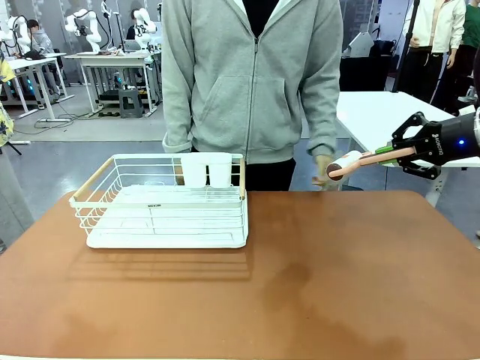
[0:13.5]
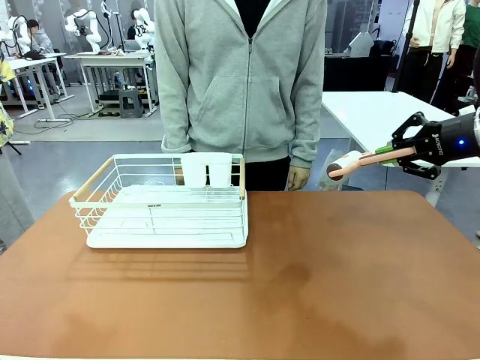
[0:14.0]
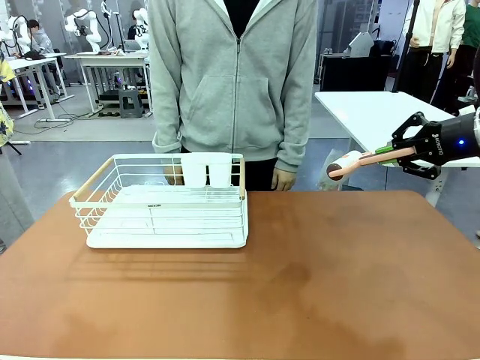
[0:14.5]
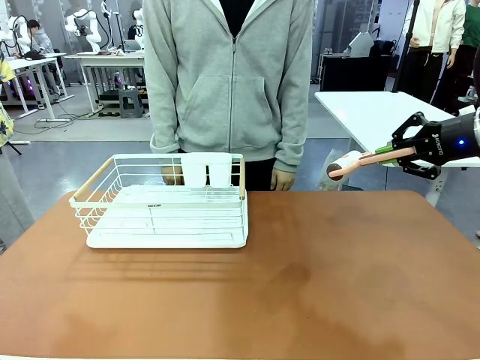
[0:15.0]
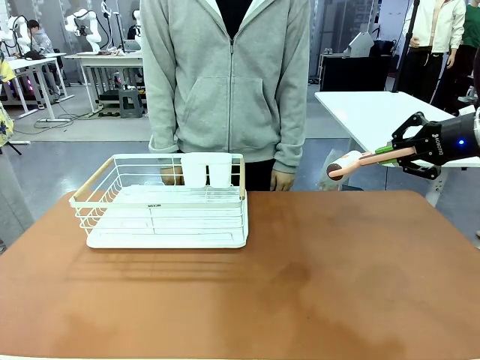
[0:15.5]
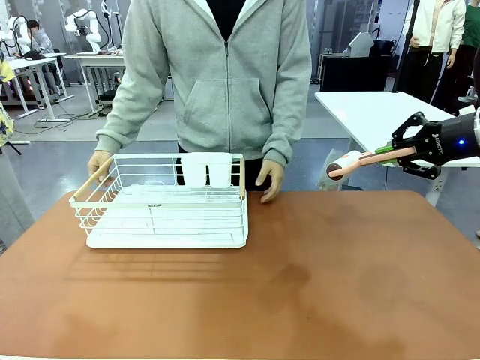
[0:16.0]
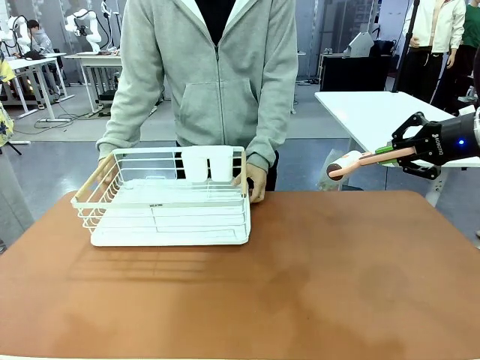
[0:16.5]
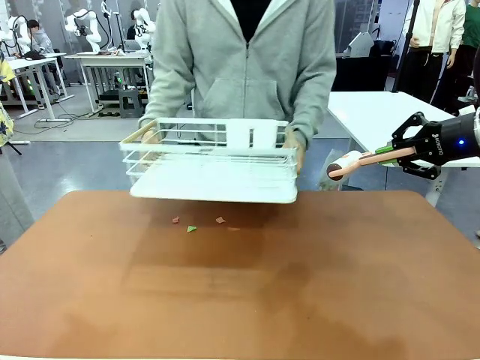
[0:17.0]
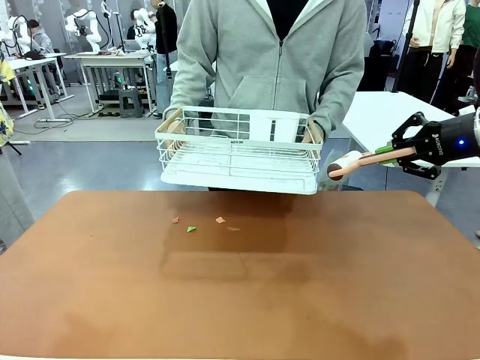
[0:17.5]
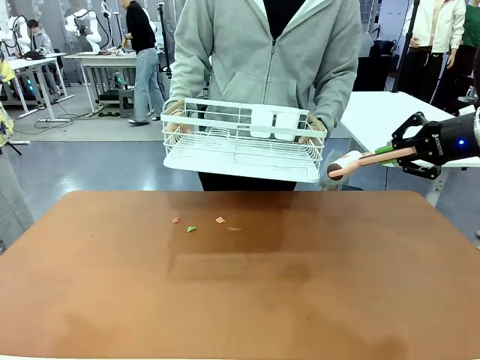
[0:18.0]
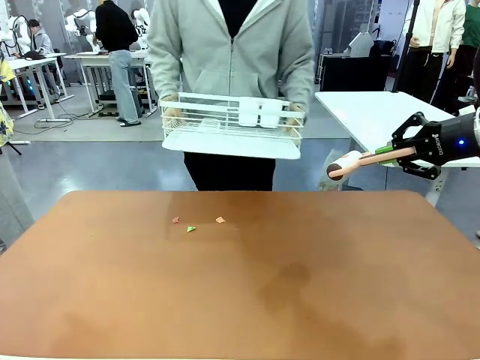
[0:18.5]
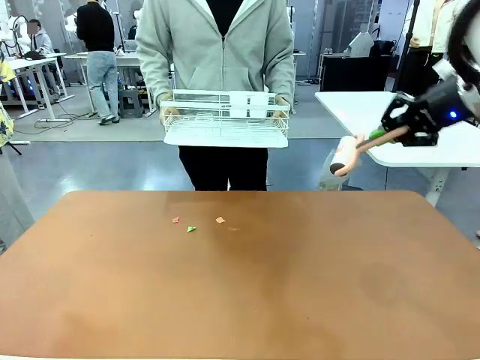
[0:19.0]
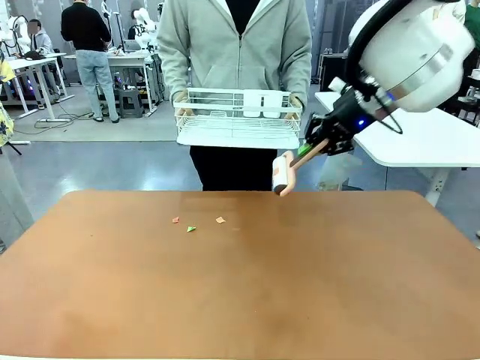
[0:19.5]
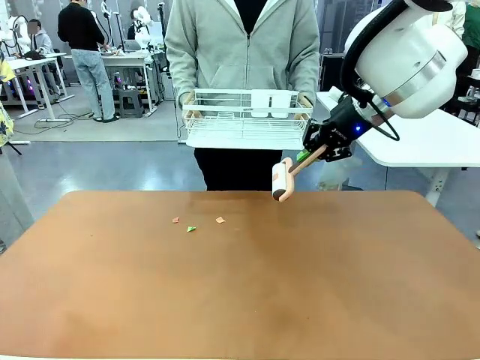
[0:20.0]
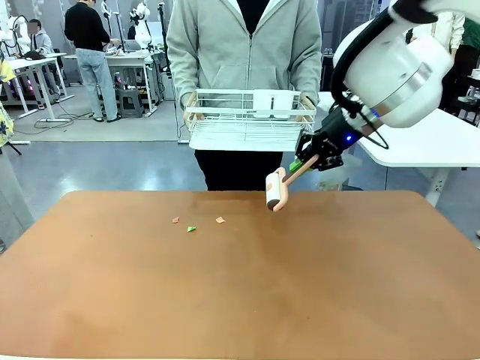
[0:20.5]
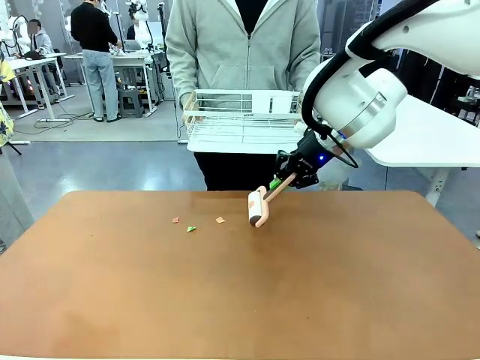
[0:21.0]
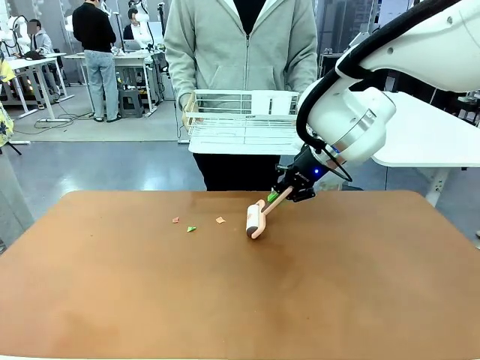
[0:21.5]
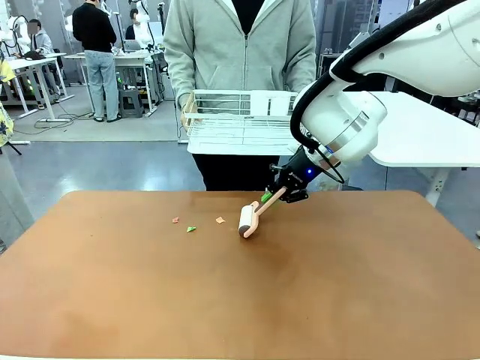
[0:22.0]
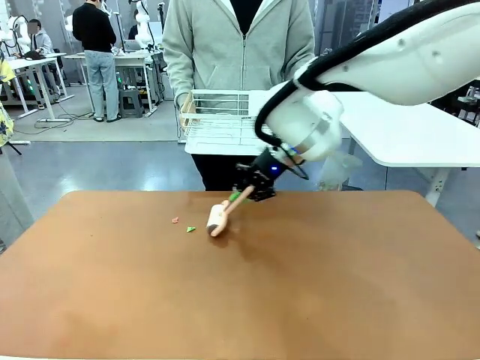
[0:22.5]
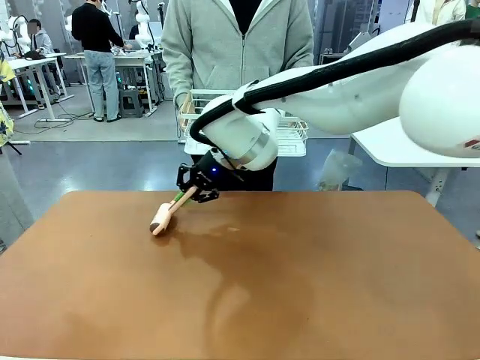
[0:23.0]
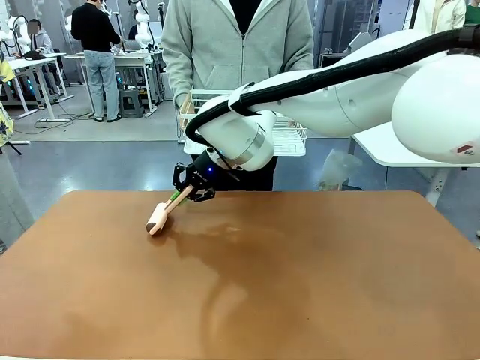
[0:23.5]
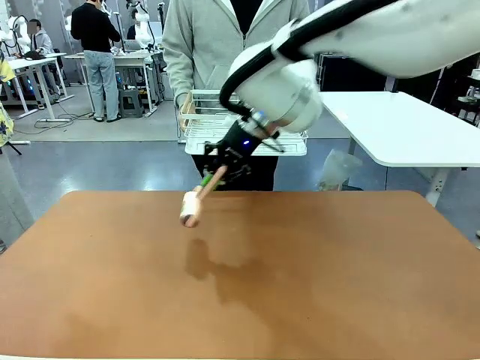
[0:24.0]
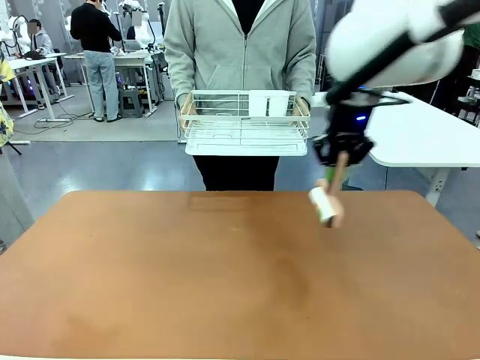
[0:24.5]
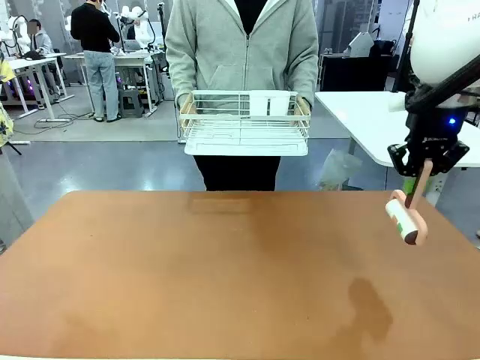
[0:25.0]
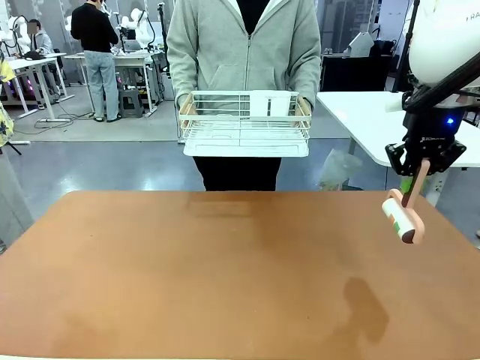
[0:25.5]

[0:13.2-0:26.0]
Task: Clean the table.
Robot: Clean the table with the Lint Roller when the human lifts the Dish drying rack.

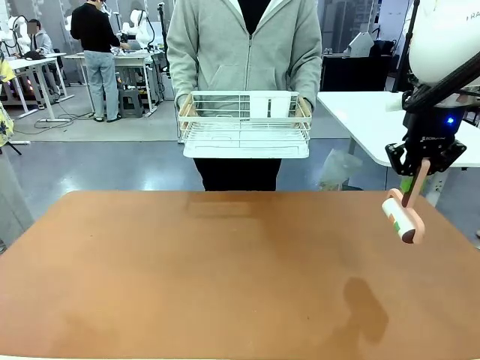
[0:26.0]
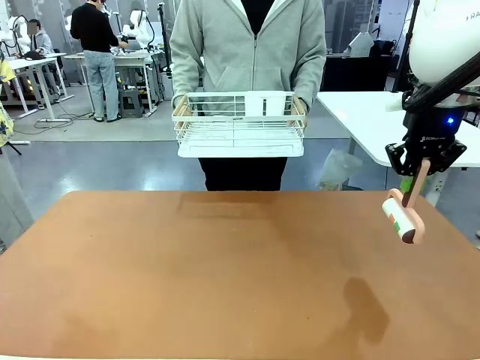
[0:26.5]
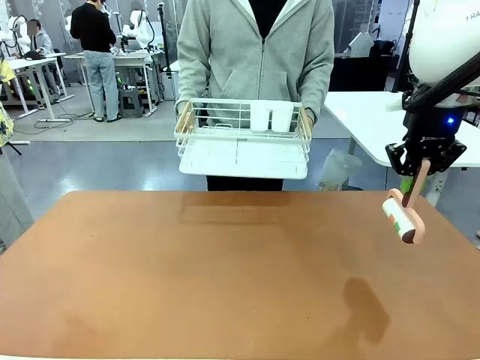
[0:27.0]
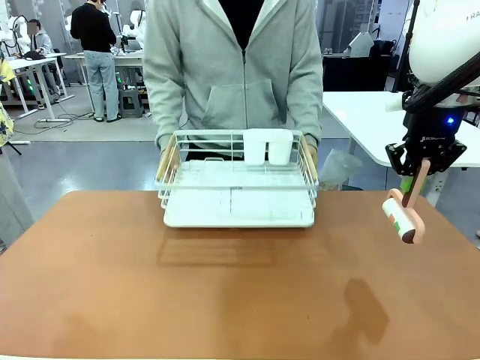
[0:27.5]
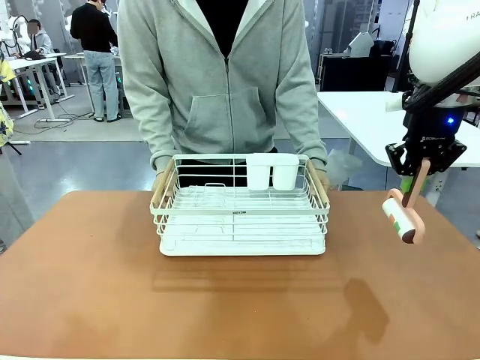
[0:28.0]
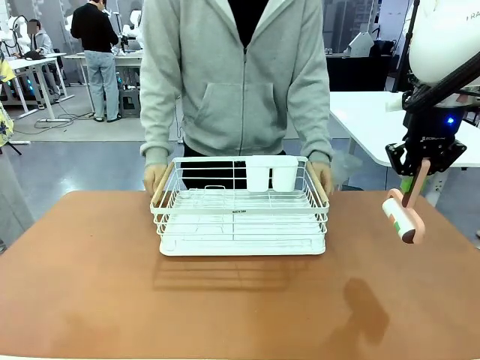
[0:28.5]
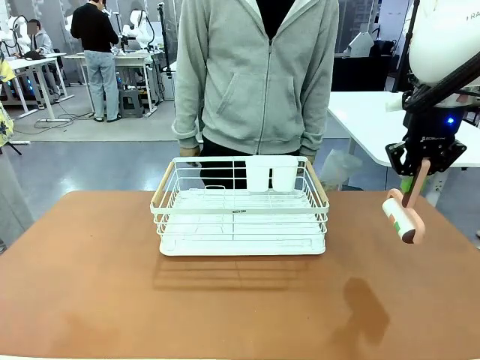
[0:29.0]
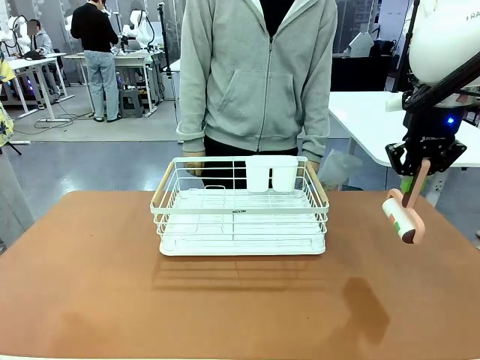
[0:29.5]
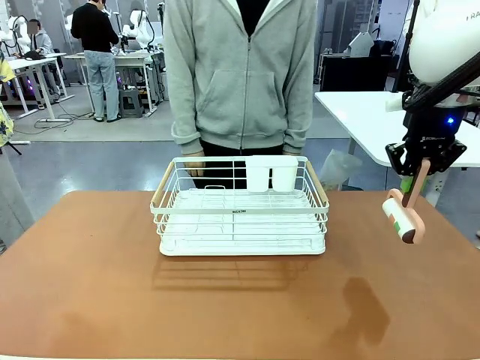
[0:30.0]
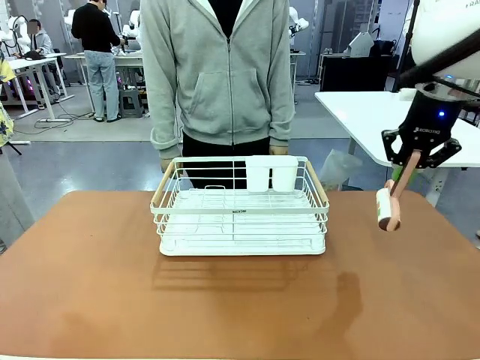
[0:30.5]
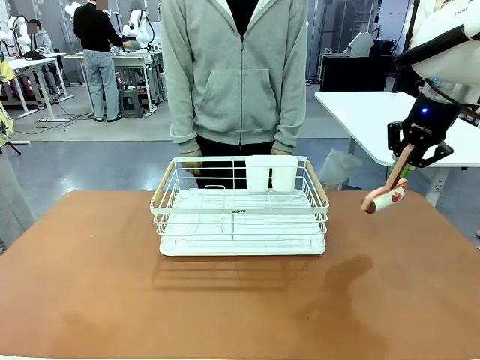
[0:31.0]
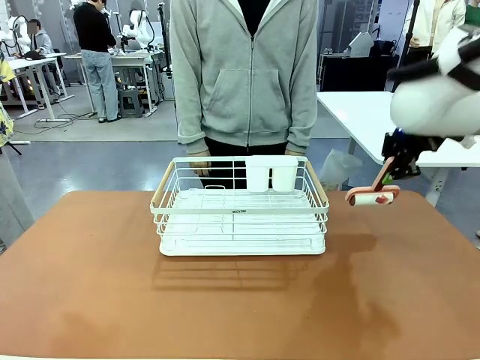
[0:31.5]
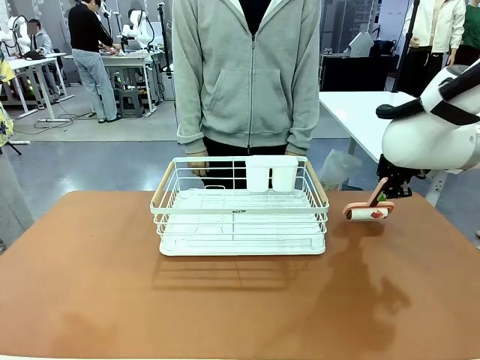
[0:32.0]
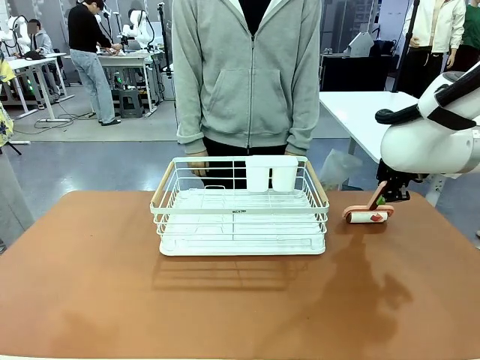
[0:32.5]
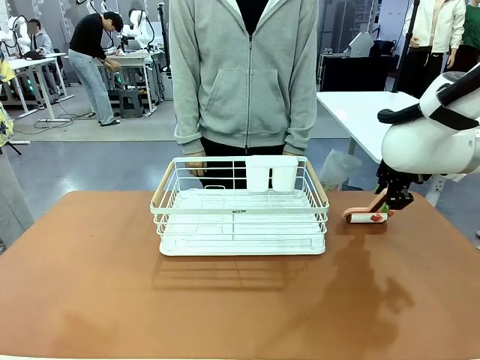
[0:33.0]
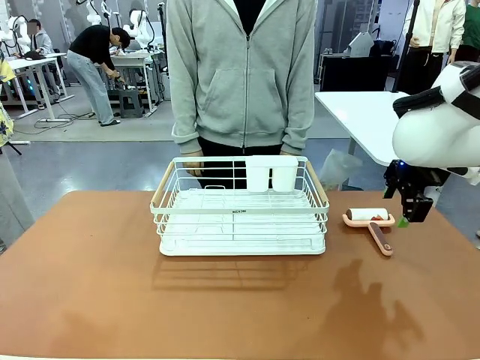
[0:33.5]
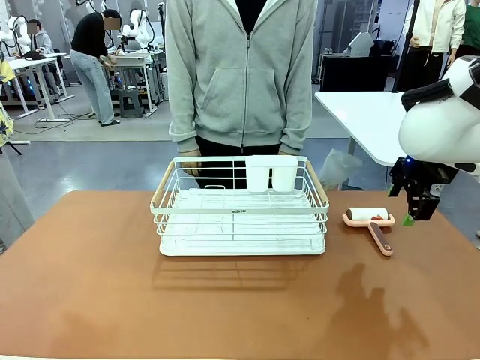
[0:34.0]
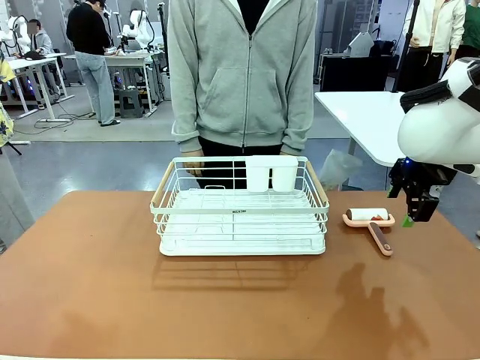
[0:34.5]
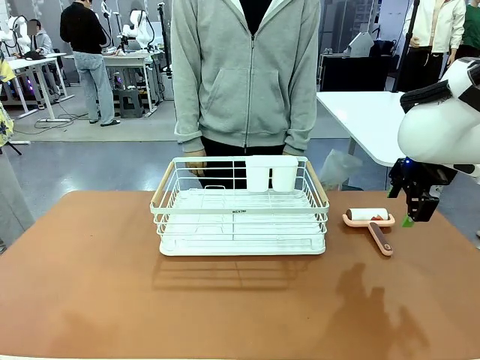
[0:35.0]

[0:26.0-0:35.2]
Robot: Place the Lint Roller down when the Dish drying rack is positioned in the middle of the table.
Person: Place the Dish drying rack down when the robot finishes cleaning.

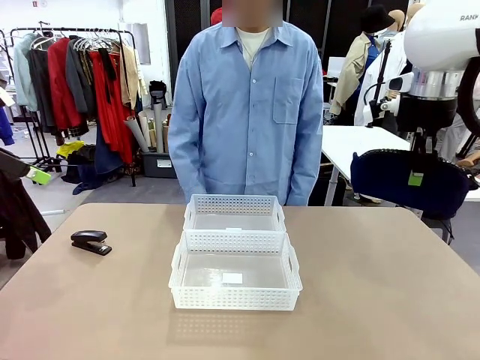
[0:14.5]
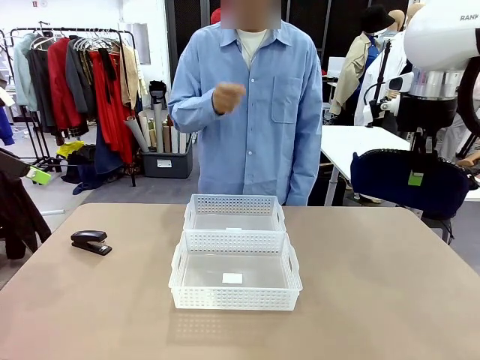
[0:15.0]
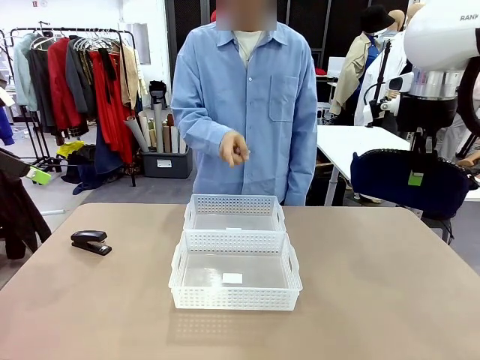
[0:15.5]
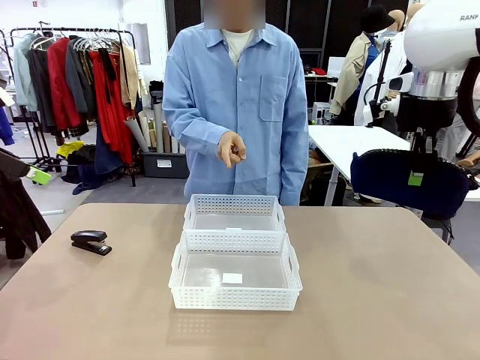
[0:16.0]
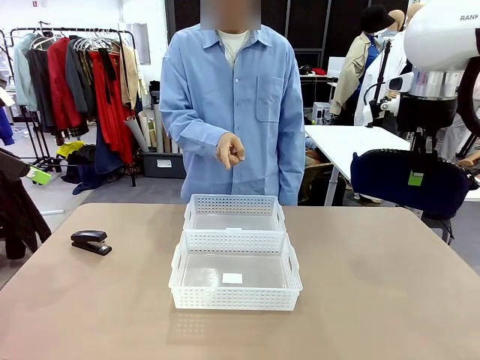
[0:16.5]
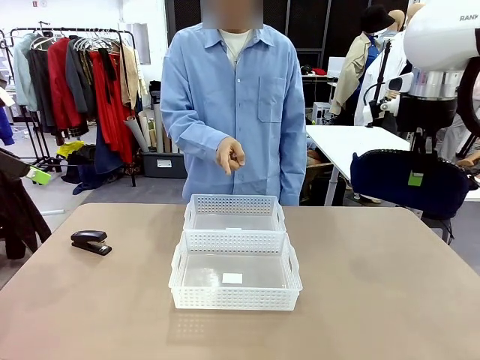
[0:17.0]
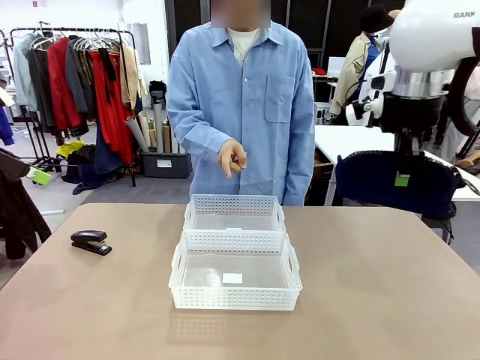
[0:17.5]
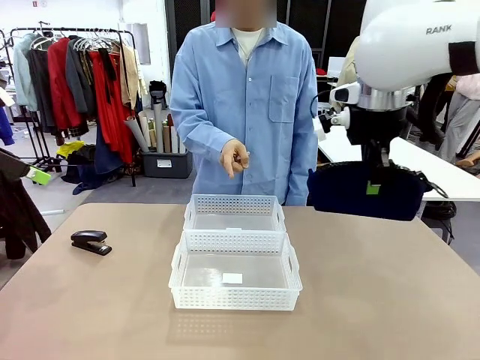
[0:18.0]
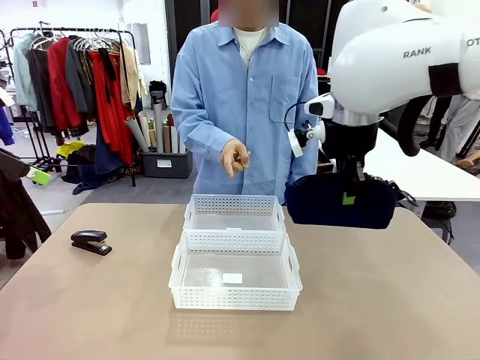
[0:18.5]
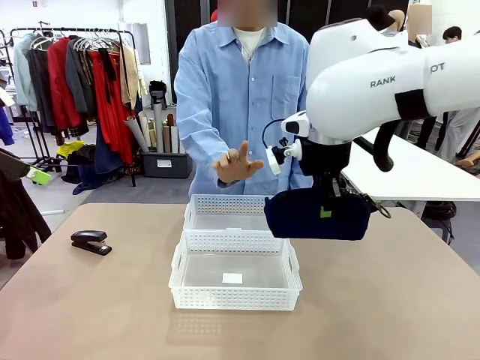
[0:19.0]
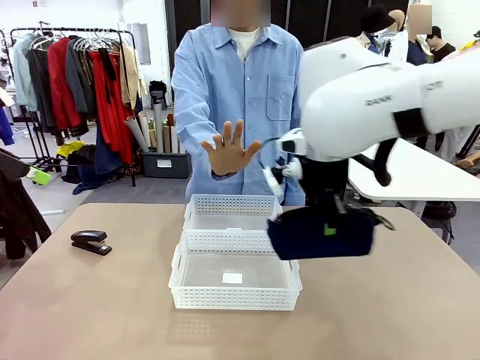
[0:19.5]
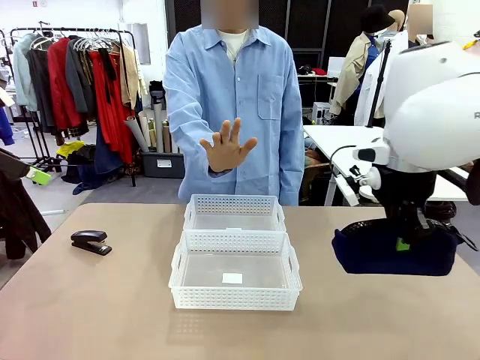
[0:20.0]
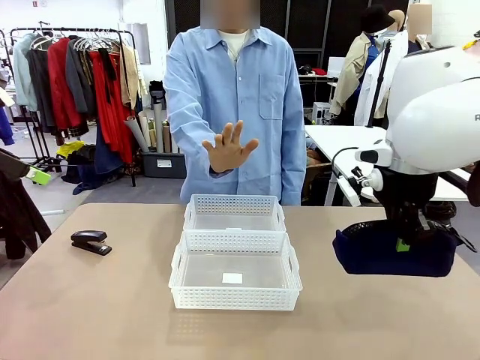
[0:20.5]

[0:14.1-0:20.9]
Task: Distribute items into two baskets.
Robot: Move the picked Pencil pouch towards the Organizing basket indicated by the person, stopping as directed.
Person: Sends a stop gesture before the robot places the pencil case into the basket.
